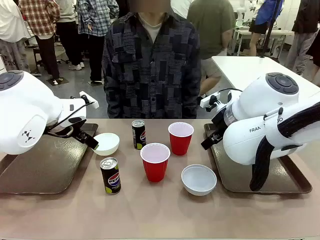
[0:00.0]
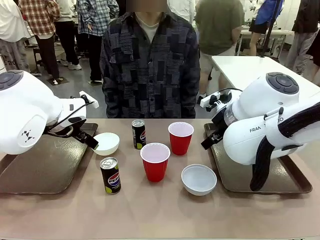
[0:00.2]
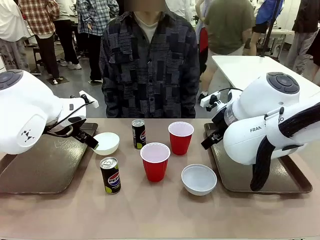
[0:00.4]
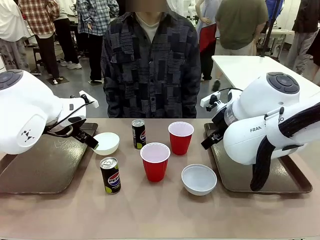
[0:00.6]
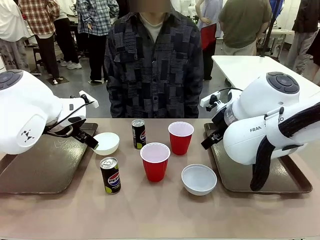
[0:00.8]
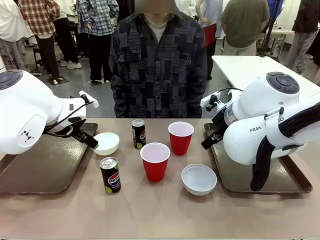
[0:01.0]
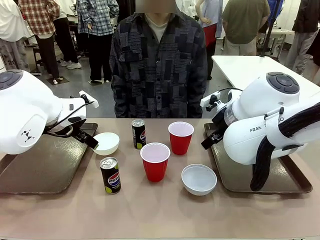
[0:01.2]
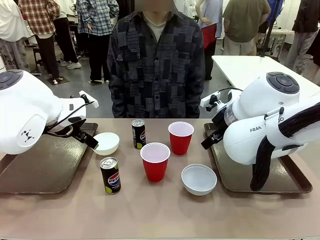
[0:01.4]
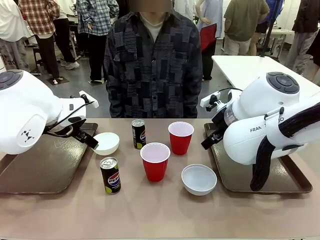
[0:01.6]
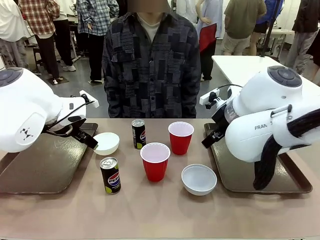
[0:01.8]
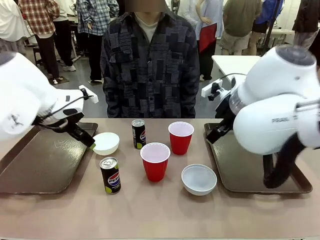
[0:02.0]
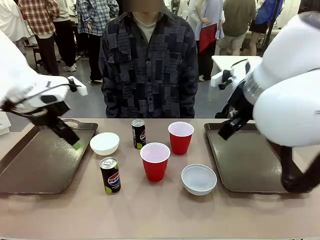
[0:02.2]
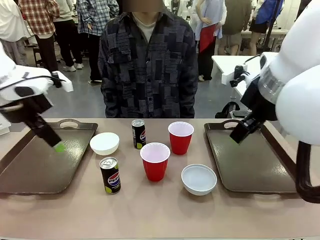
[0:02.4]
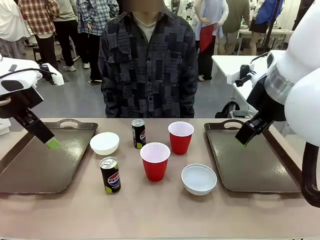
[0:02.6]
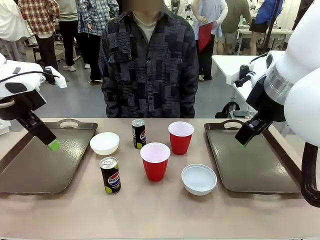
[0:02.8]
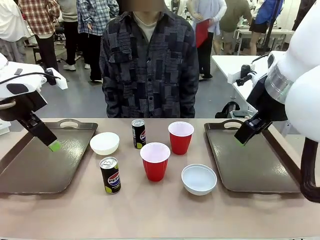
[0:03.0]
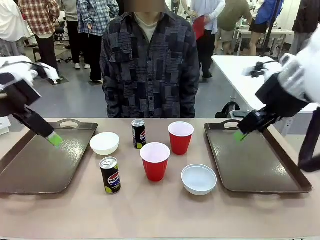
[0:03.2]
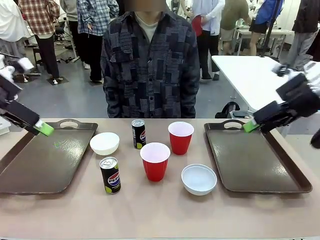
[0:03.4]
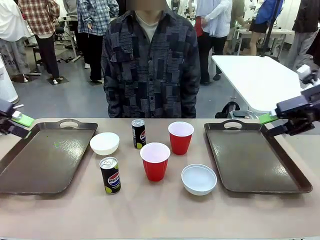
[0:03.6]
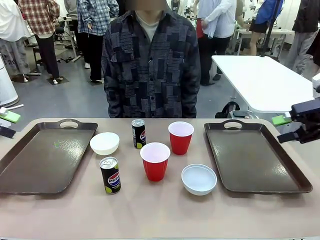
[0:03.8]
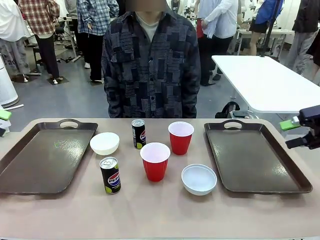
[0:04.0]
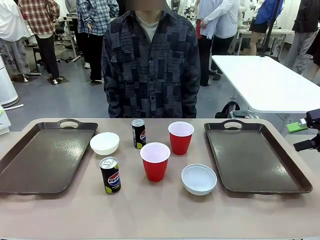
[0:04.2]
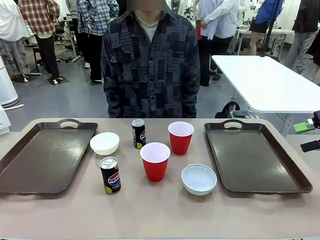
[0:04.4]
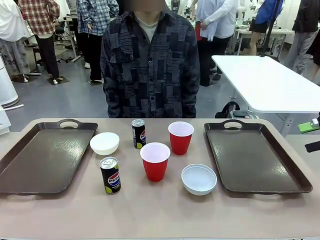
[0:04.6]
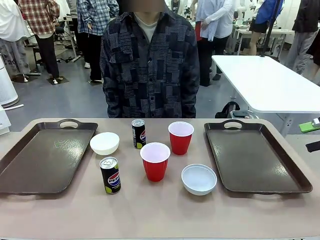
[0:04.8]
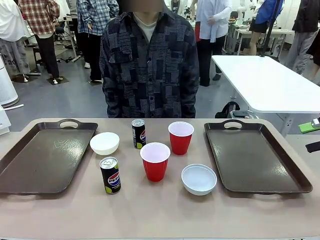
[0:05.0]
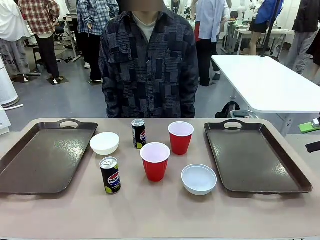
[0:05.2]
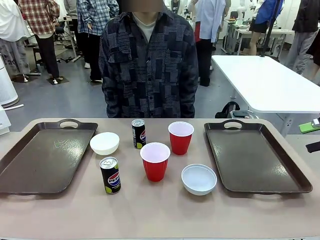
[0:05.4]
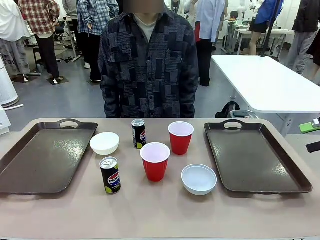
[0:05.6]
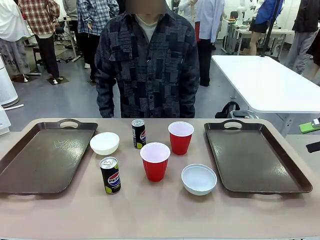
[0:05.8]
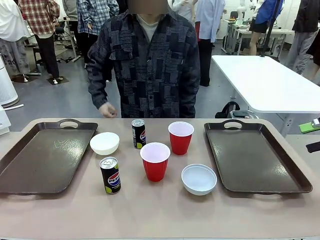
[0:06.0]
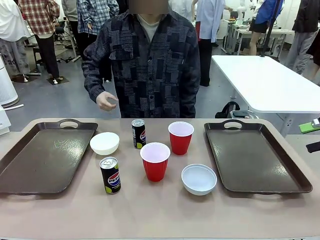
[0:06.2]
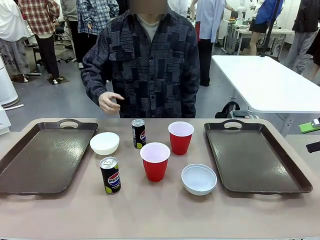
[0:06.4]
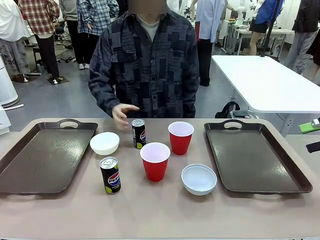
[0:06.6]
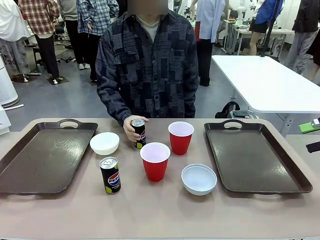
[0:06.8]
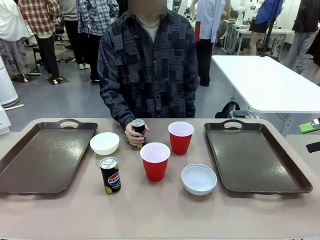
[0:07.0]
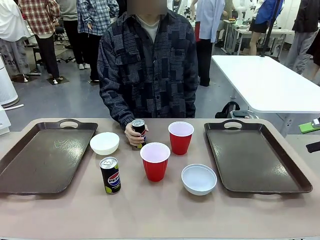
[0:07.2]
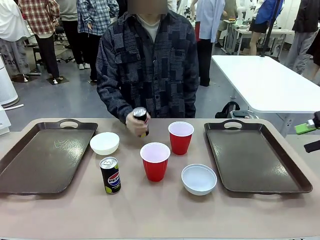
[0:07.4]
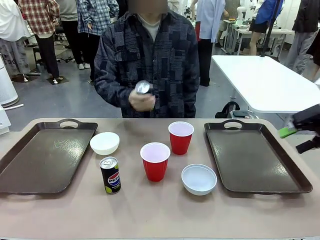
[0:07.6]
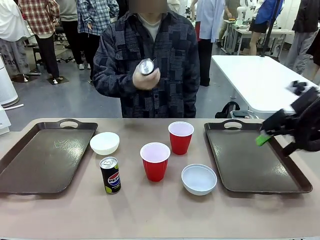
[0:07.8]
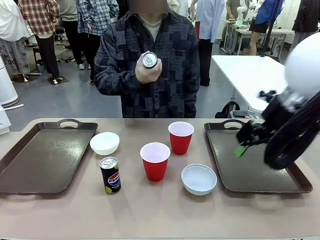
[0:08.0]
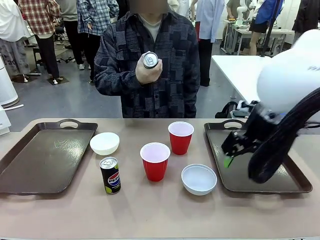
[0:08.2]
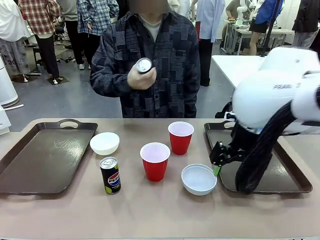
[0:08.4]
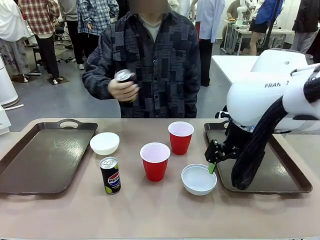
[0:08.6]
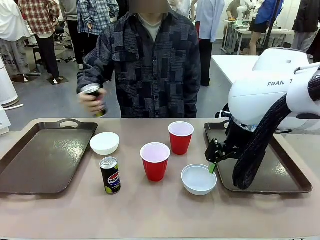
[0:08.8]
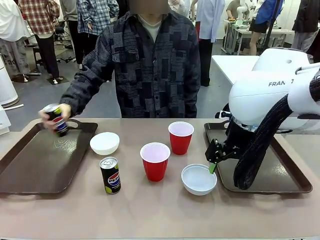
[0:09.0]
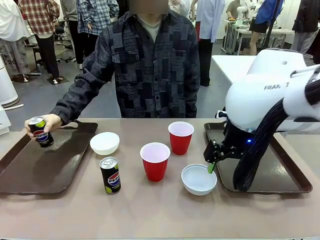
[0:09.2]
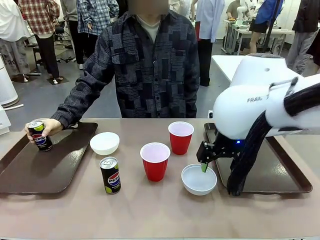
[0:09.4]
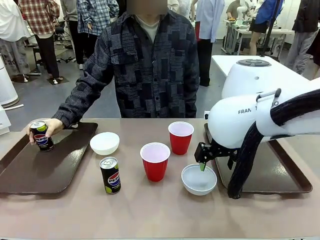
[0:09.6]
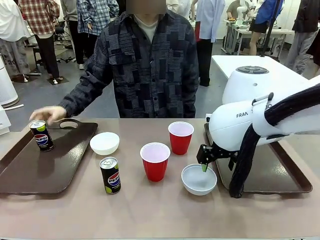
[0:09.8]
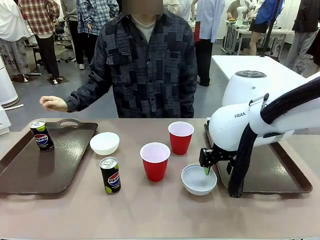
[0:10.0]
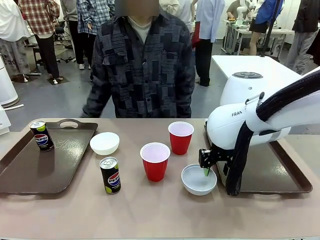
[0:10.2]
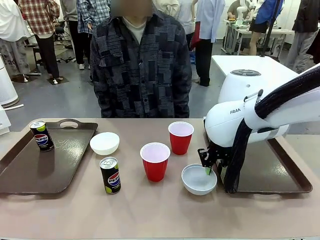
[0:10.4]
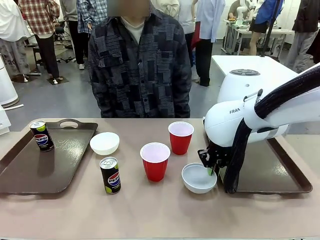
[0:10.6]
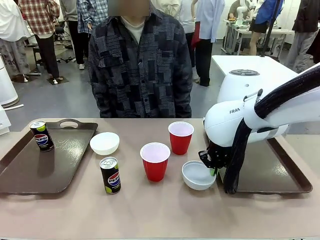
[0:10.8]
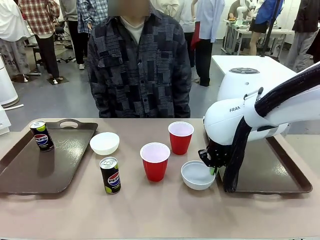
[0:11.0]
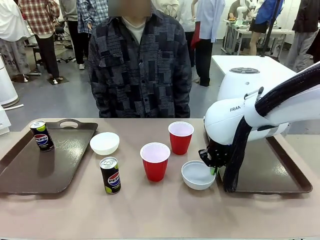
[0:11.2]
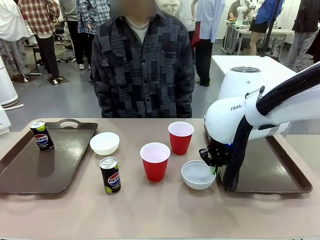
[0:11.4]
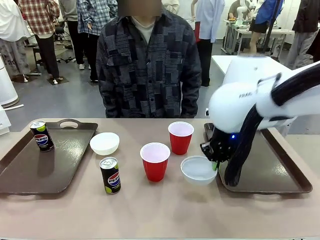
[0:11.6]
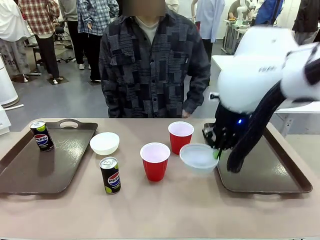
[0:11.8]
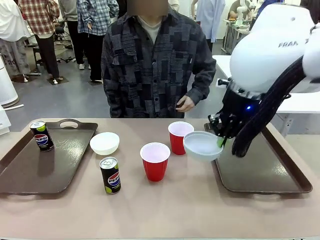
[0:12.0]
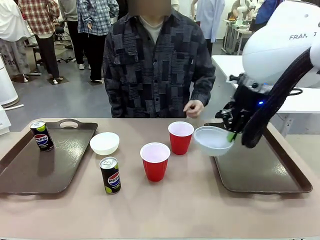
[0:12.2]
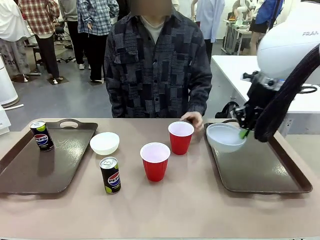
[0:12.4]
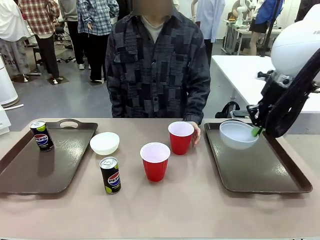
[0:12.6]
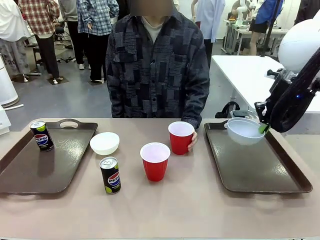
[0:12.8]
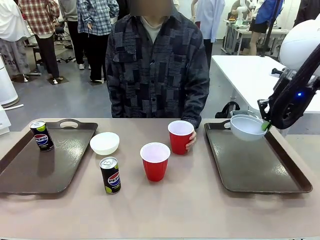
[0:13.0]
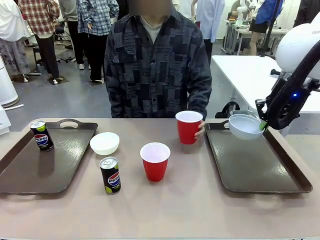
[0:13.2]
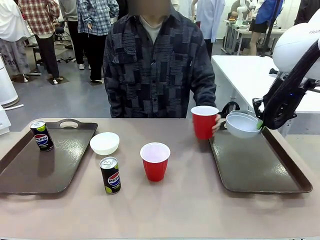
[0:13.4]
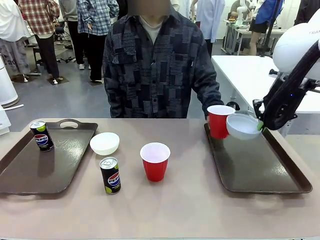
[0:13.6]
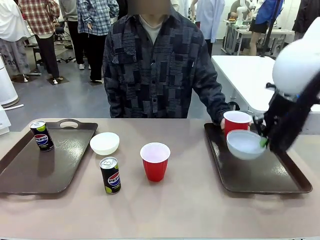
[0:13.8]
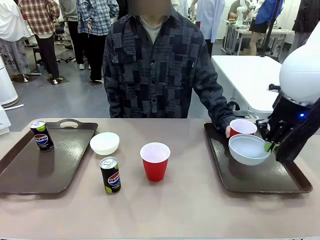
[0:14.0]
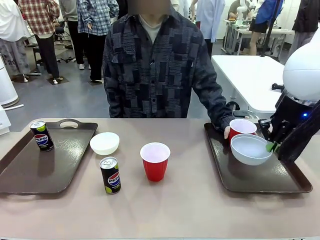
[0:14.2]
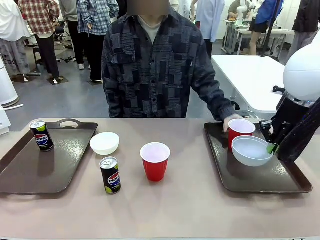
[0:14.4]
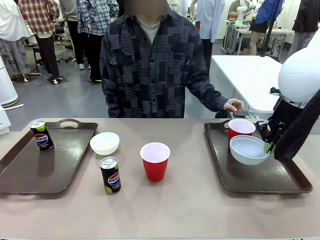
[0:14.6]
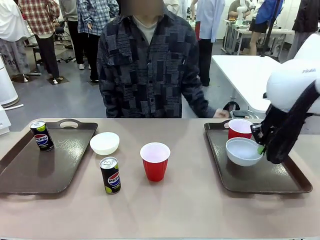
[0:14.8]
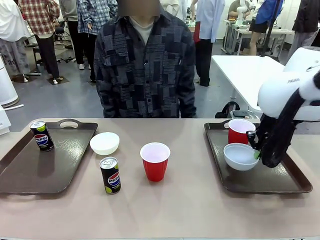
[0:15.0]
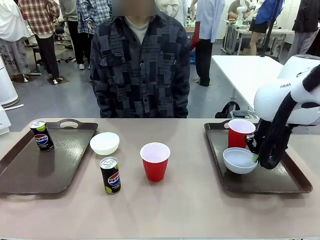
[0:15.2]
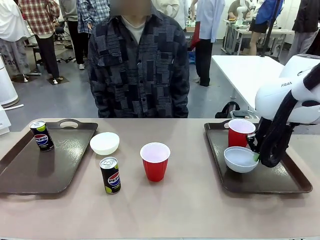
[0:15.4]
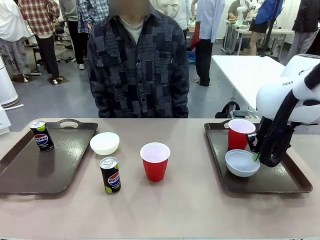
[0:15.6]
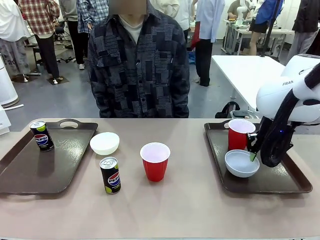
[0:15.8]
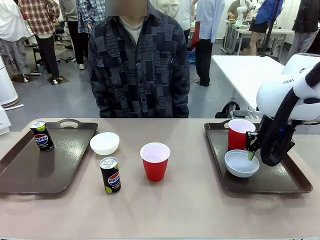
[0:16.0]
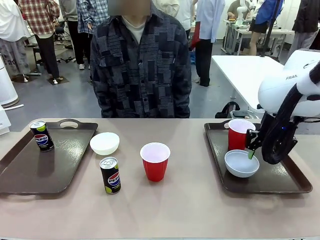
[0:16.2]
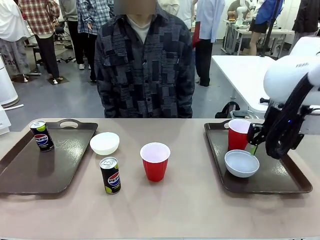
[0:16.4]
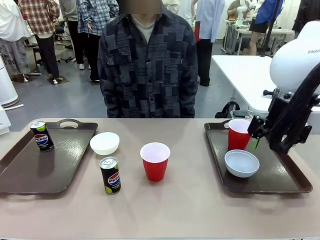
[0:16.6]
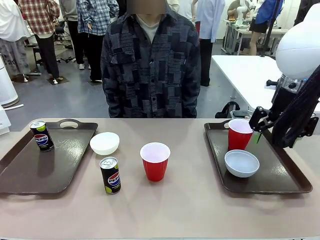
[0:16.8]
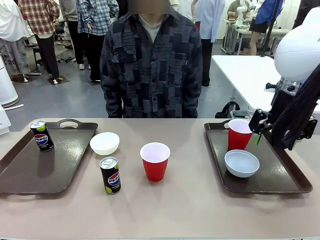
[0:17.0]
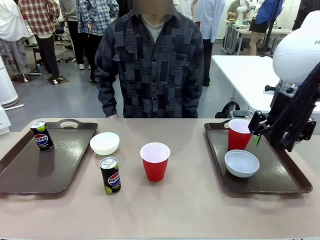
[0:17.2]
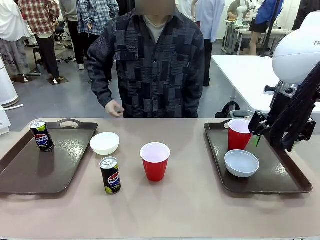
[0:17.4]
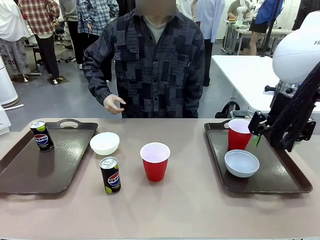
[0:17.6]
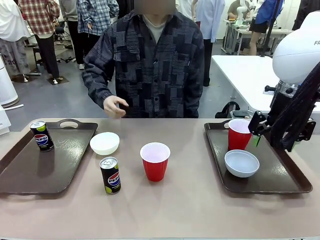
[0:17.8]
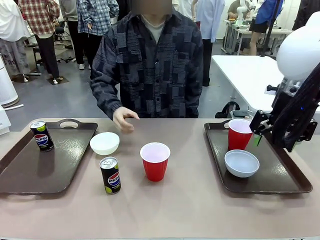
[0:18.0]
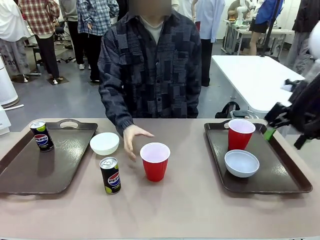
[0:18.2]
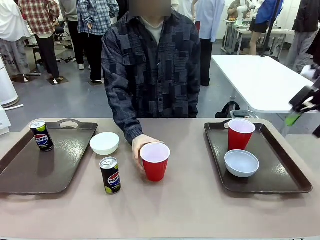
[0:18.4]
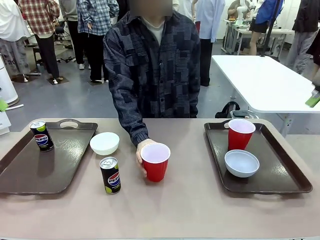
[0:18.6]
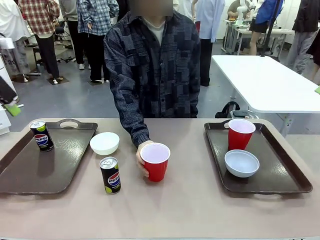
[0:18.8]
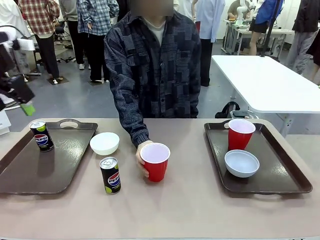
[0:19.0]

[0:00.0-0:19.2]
Task: Prepare tableware on both trays.
Robot: Pick up a Picnic Bowl from the table and place it on a Handle tray.
Person: Pick up a can or cup and place it on the tray.
